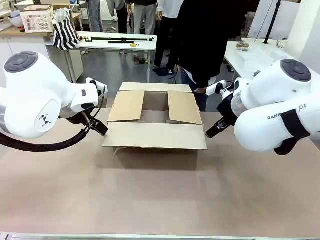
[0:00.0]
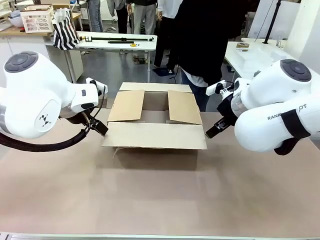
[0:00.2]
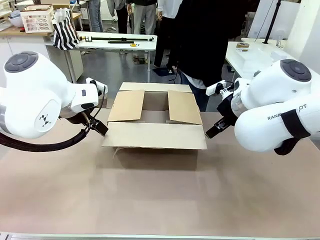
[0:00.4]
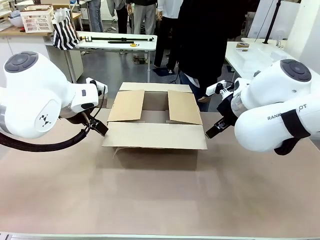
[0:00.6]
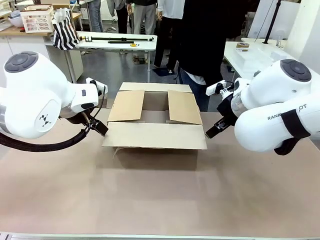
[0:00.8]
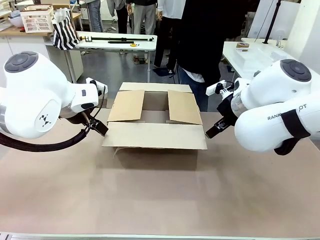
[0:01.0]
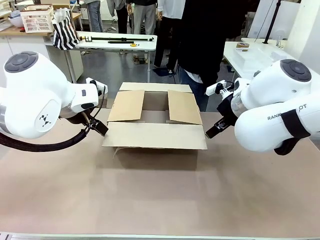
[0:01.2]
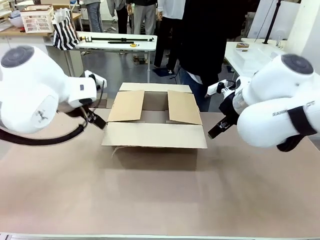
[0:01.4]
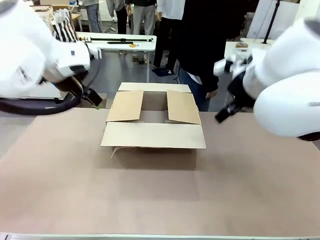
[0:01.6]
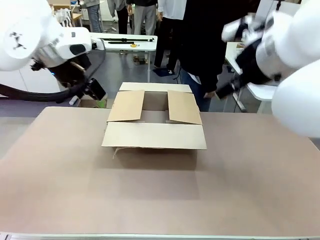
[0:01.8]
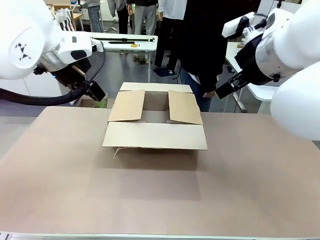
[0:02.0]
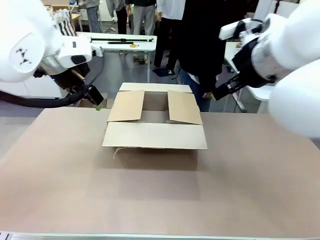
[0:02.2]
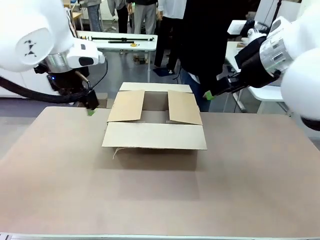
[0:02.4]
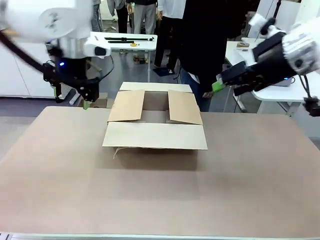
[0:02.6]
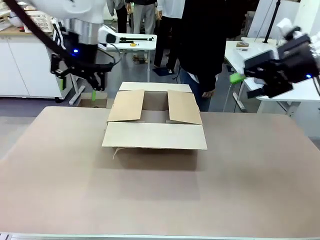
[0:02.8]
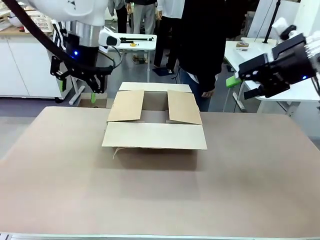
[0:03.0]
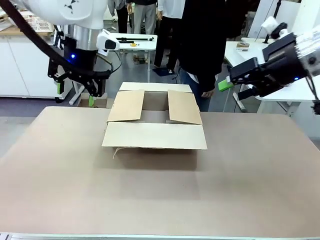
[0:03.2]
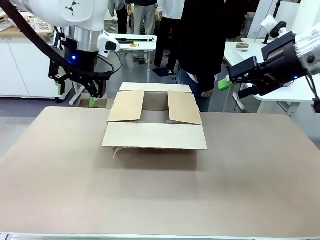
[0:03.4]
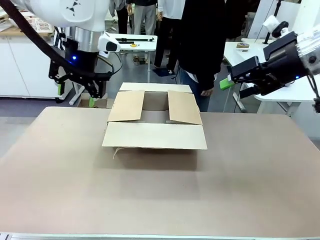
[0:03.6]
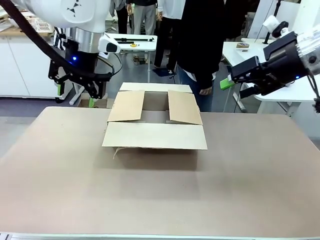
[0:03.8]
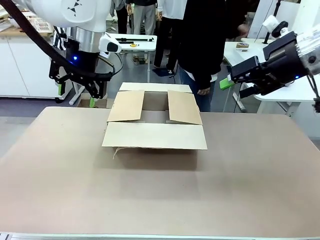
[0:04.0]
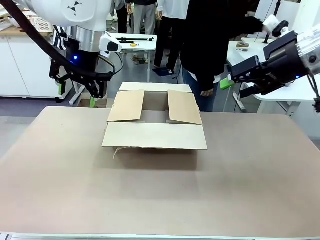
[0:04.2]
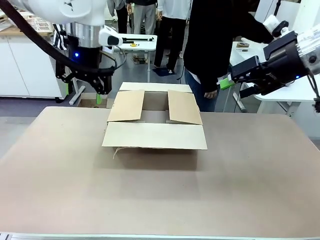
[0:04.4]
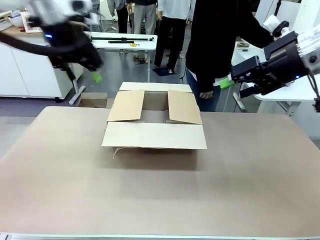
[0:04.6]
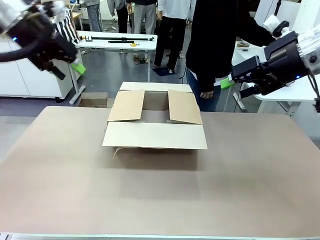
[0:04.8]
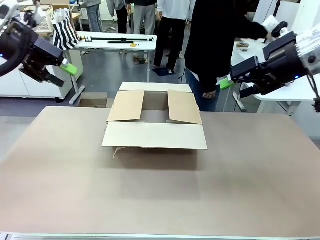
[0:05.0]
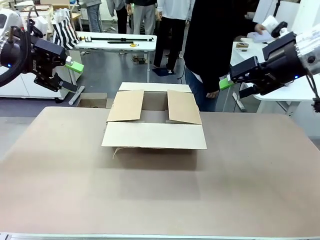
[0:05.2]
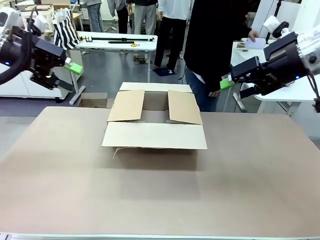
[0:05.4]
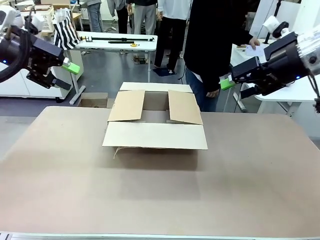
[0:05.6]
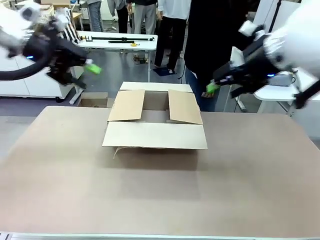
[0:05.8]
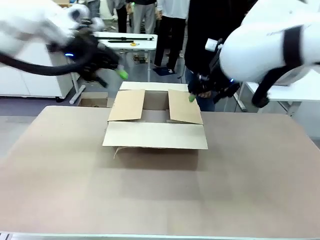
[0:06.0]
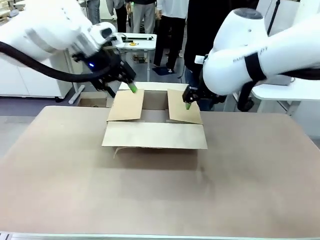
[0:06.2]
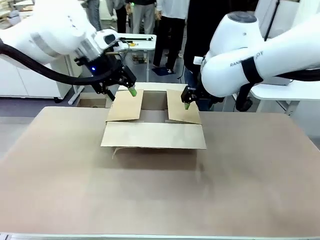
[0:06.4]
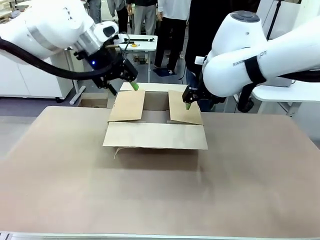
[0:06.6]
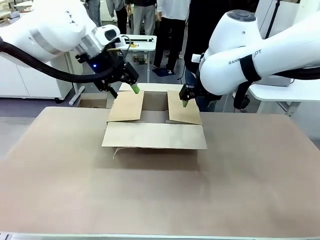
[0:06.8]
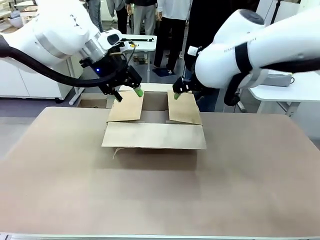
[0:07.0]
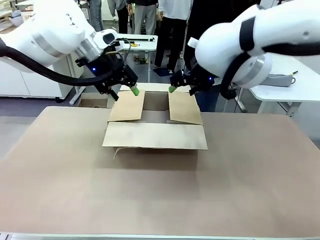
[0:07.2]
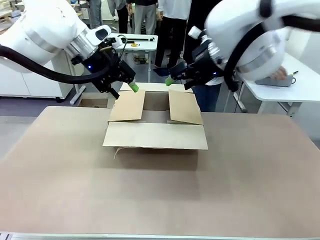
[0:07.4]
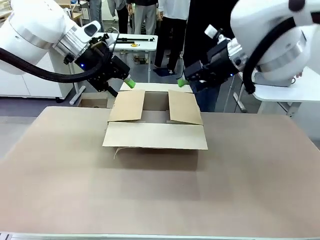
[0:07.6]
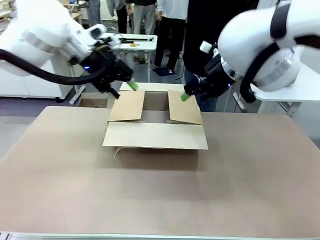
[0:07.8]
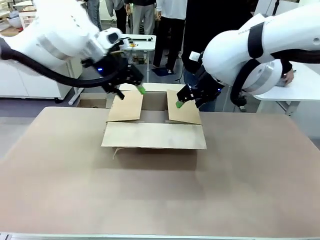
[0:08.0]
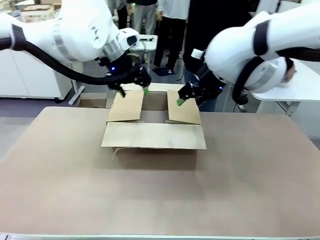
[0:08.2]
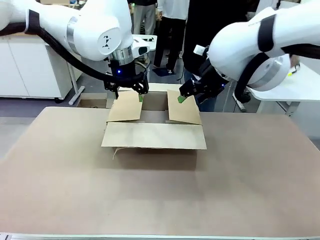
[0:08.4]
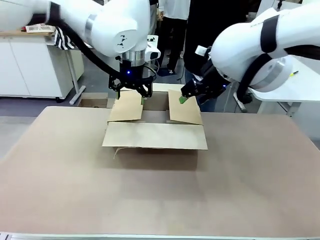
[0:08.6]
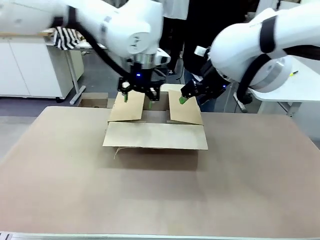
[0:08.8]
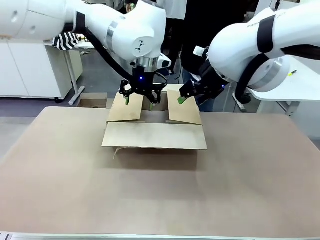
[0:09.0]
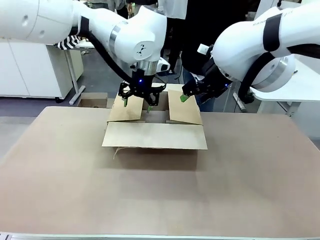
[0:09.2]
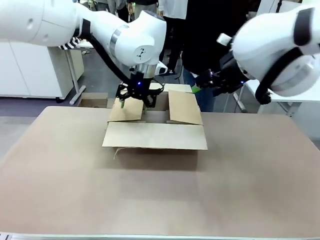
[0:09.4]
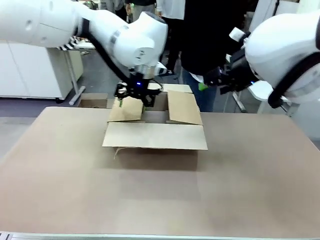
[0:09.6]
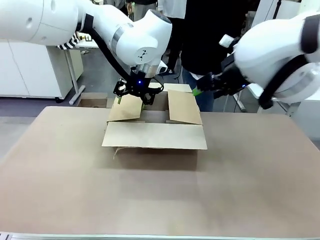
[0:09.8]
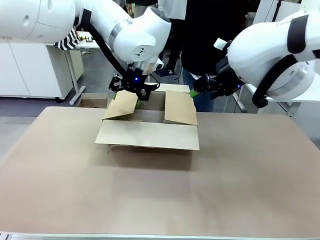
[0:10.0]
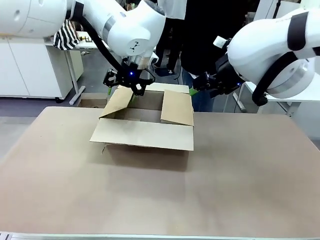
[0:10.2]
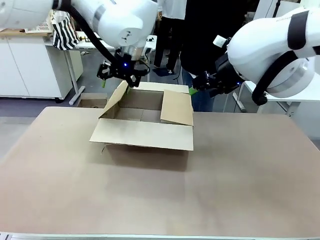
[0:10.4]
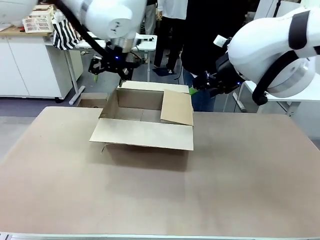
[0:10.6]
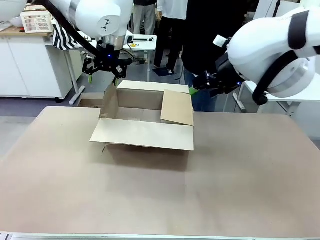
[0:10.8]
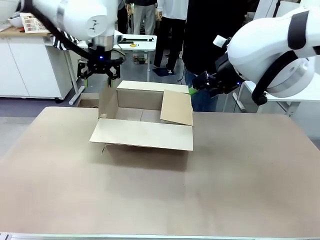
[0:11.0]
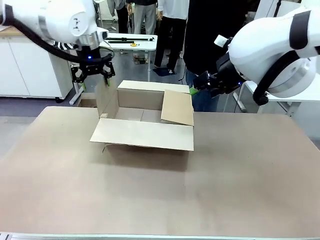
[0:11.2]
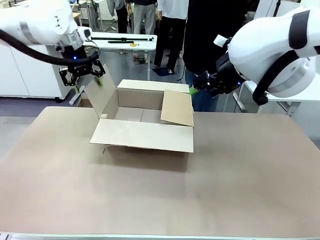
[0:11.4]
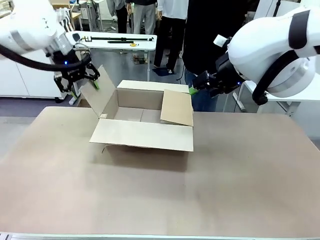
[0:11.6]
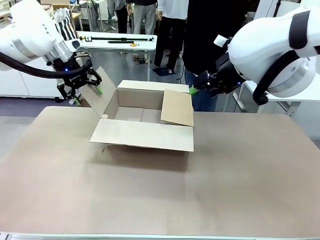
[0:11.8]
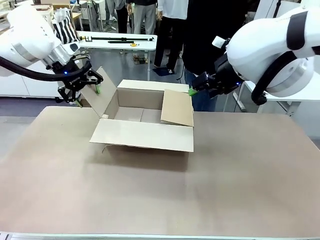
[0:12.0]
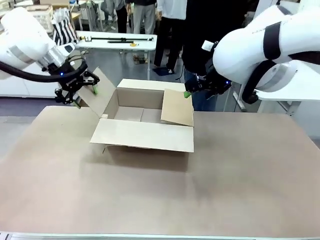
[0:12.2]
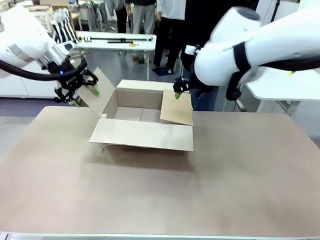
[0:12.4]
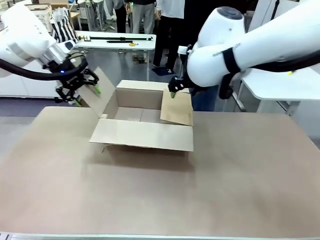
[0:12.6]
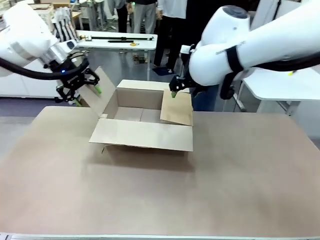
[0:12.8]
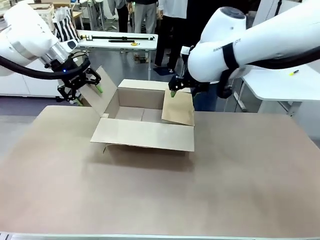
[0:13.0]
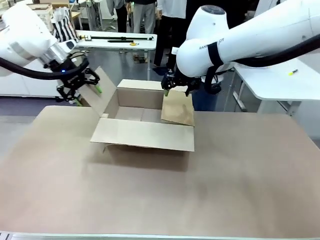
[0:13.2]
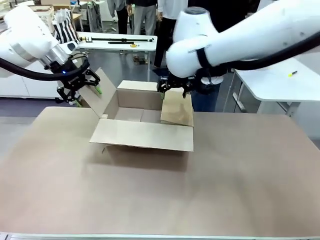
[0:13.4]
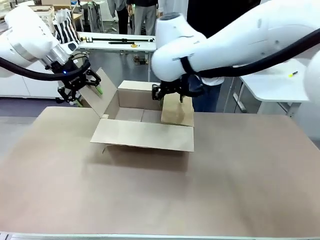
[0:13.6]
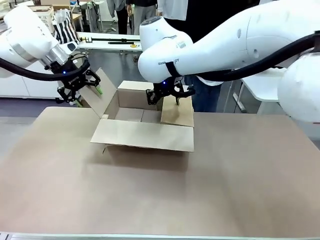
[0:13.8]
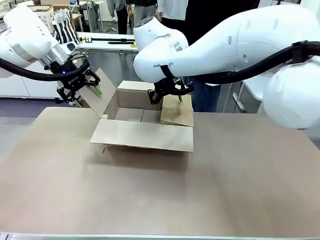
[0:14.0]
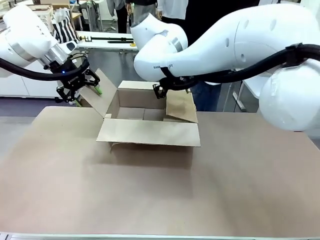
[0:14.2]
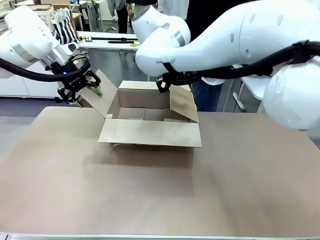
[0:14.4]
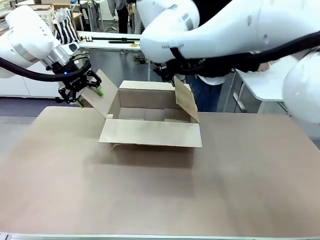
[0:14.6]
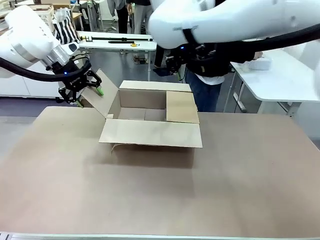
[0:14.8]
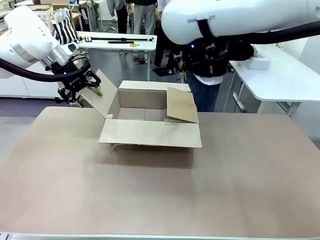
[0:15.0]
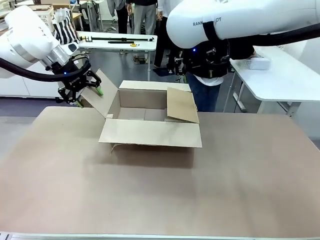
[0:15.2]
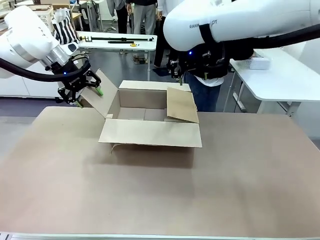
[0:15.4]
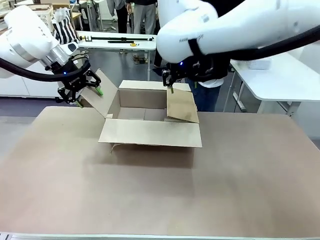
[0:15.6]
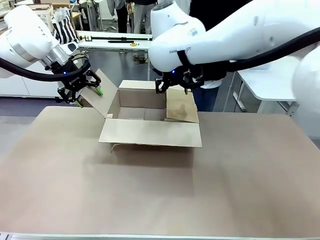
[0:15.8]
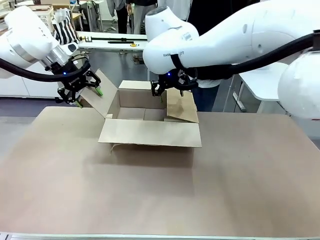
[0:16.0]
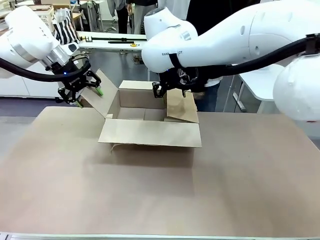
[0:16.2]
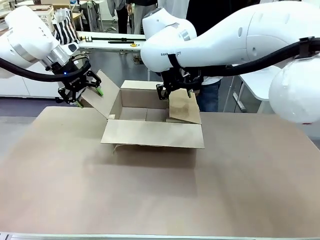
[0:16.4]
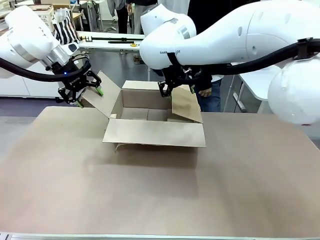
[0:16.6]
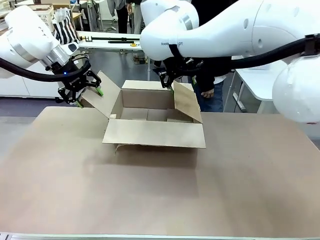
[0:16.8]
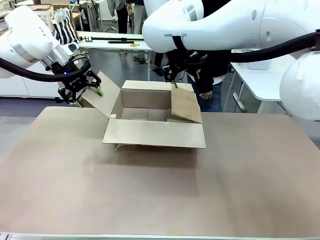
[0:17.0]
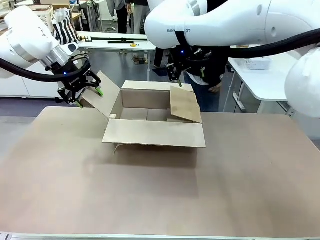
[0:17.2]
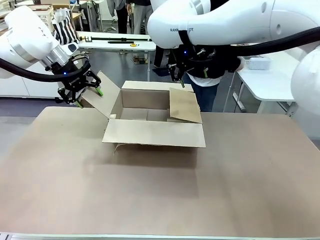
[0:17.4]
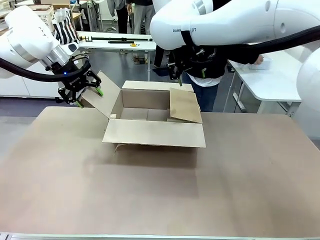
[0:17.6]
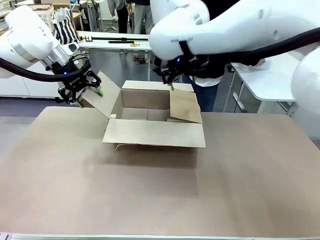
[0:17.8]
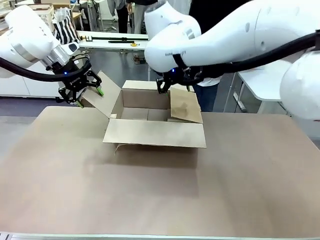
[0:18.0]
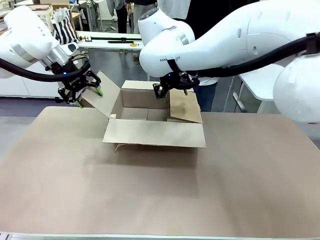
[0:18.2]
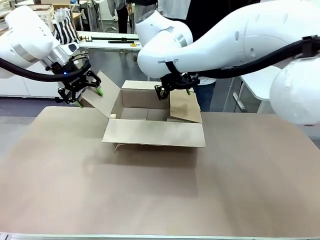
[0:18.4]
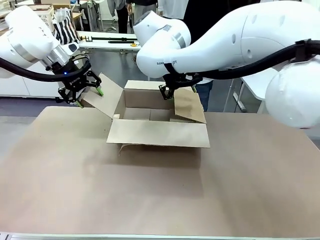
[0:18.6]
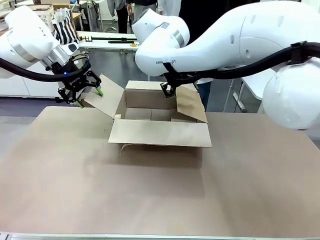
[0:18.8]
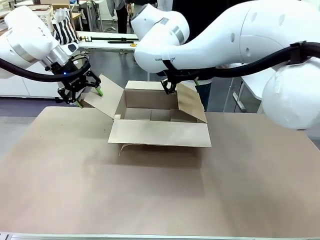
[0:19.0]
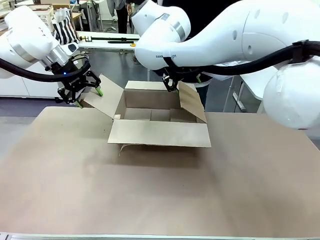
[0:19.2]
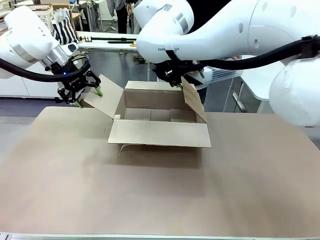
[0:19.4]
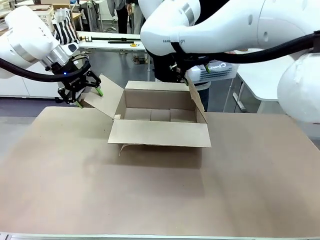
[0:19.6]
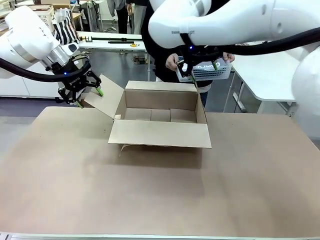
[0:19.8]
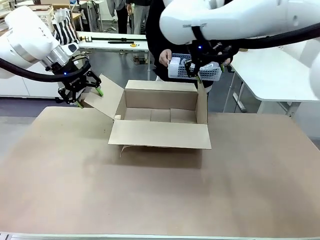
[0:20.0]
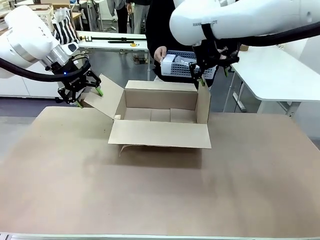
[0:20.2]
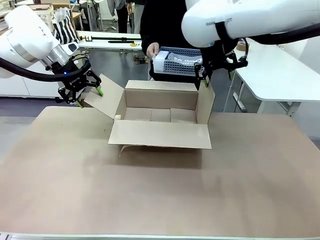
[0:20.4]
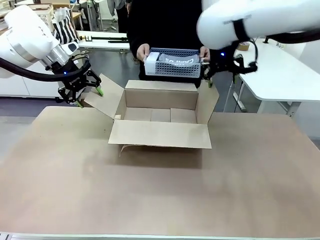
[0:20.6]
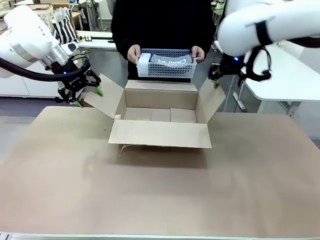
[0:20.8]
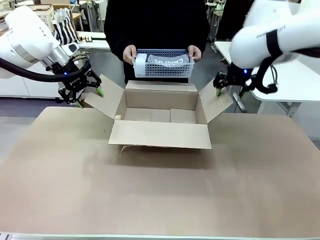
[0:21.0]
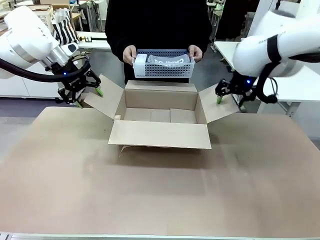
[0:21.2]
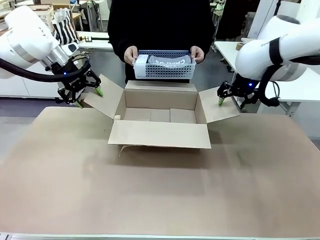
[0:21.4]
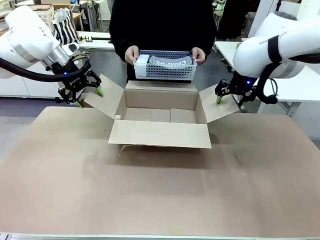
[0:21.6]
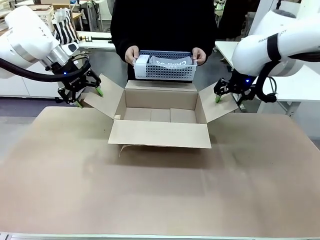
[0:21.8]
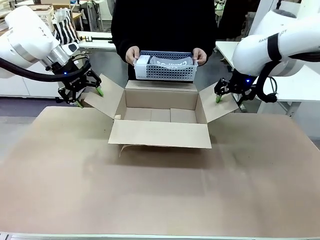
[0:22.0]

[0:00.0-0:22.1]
Task: Pack the gift set into the box.
Robot: Place both hands on the side flaps of the Package Box and spread them outward.
Person: The human places all items except the paper tape into the organizing basket. The human picks up the organizing basket and places the organizing basket into the package box on the robot table.
